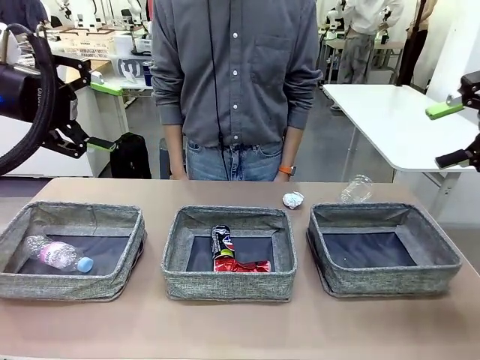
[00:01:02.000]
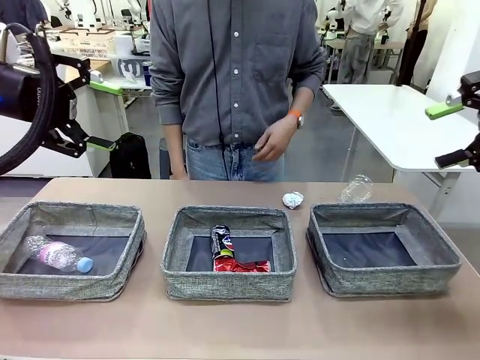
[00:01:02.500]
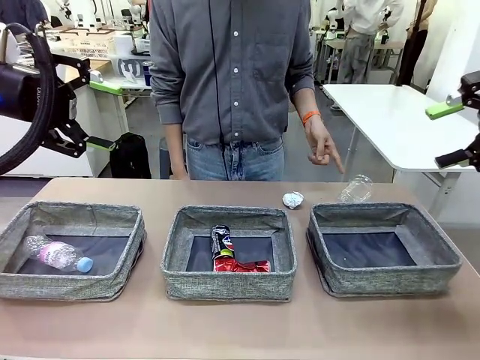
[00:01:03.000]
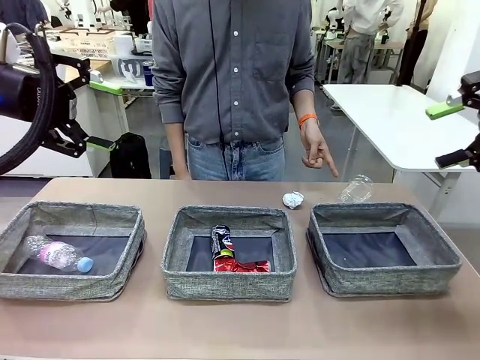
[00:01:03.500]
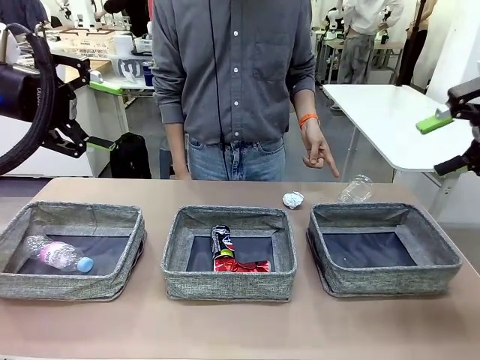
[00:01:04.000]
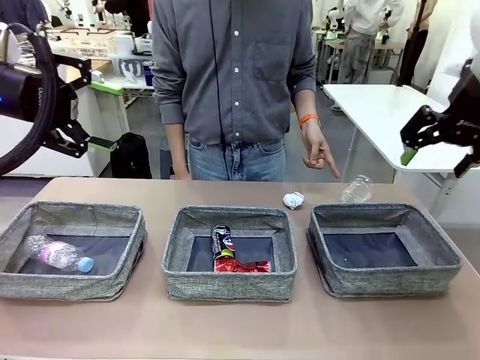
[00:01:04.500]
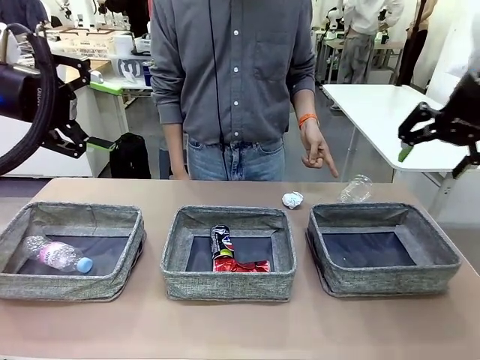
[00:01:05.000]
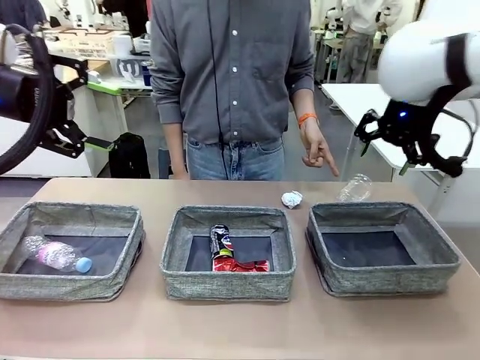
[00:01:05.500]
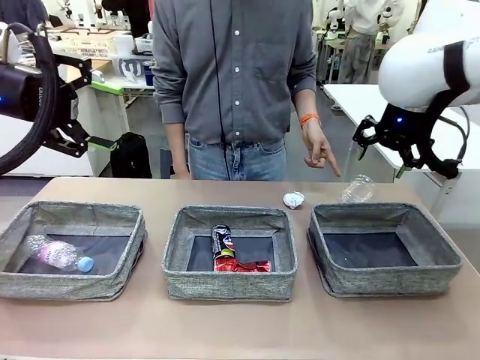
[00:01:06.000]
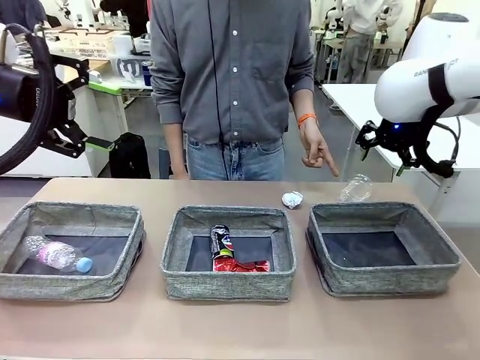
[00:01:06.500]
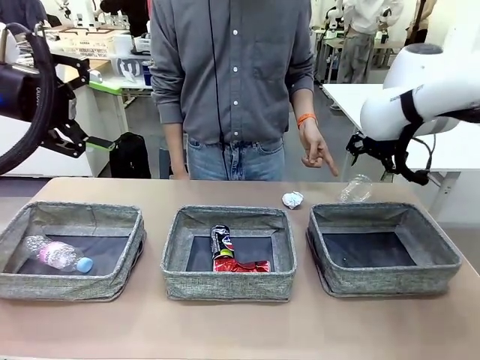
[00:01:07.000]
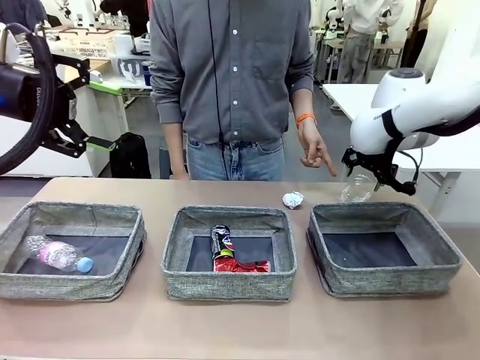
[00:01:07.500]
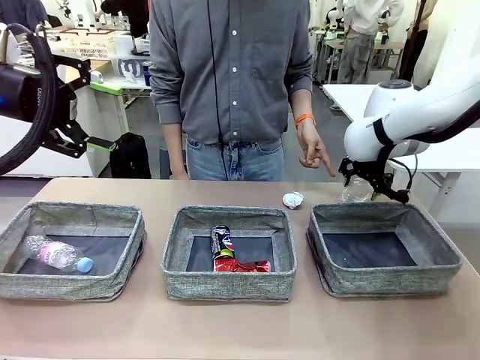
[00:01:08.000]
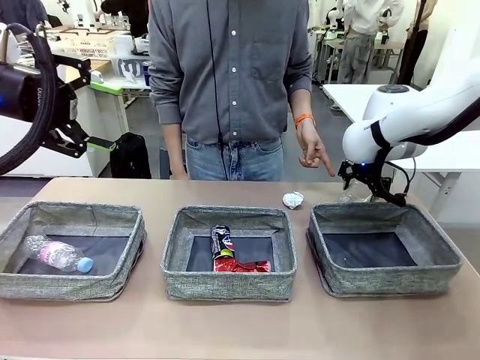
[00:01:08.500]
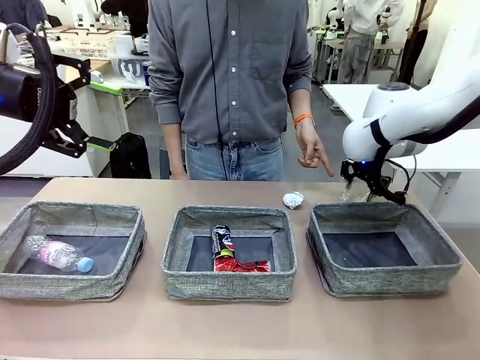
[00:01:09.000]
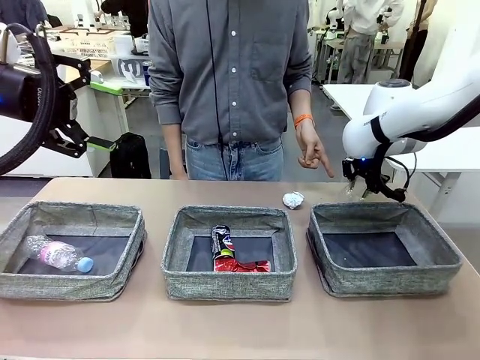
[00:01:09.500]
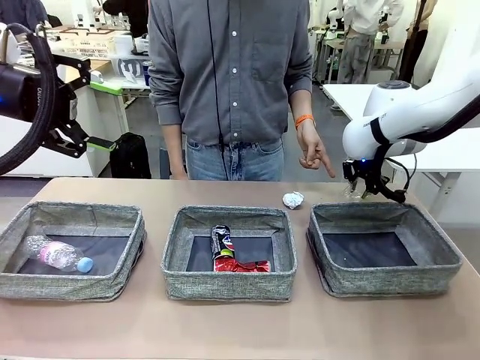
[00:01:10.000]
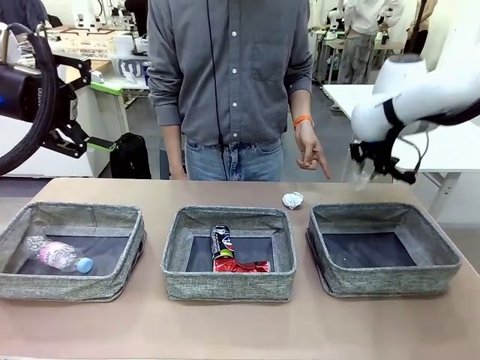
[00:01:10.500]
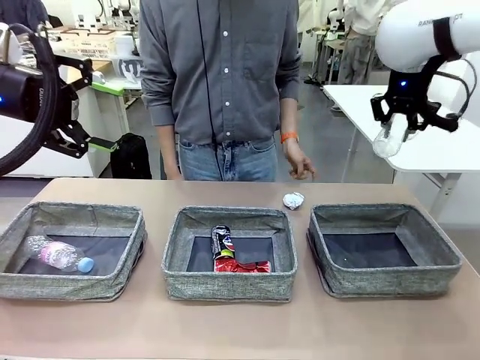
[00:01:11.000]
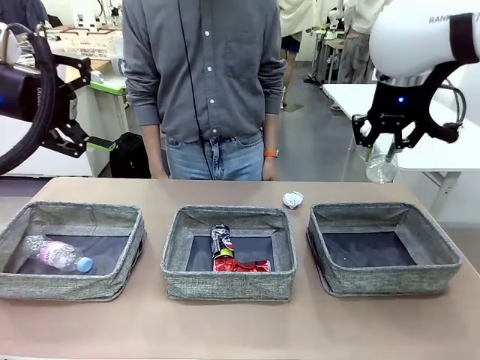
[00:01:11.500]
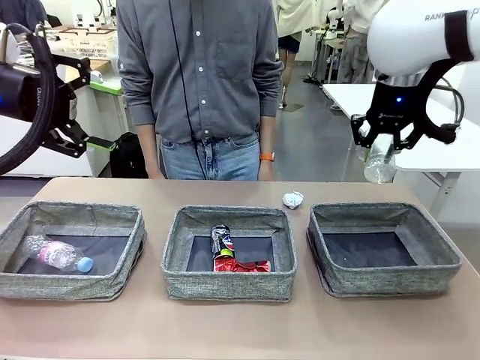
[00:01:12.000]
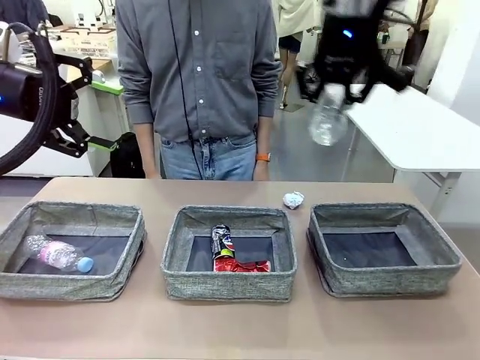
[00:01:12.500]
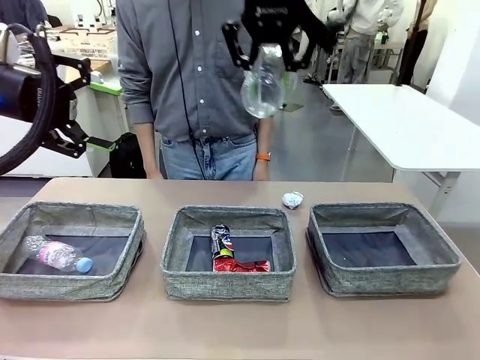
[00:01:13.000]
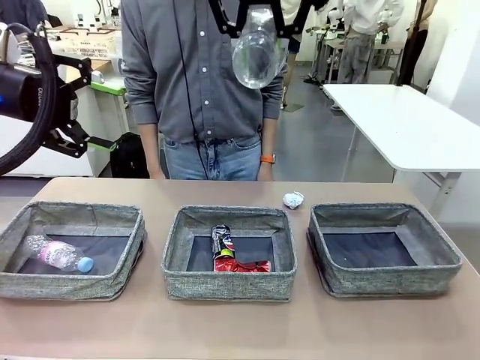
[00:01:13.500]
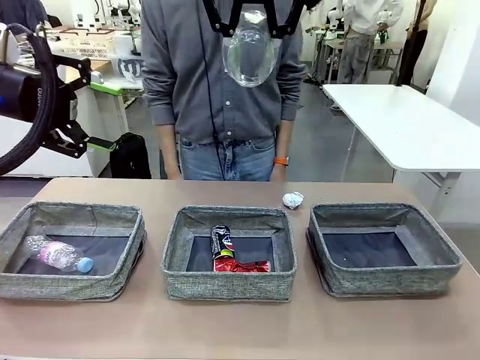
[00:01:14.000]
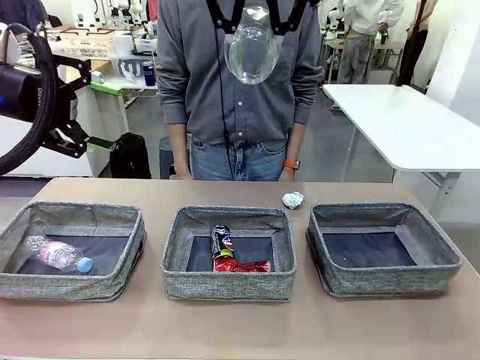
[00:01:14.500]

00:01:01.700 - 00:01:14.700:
Task: Sort the waste into the appropriate baskets.
Robot: Pick up the waste item pointed out by the person.
Person: Points to one piece of trash on the table.

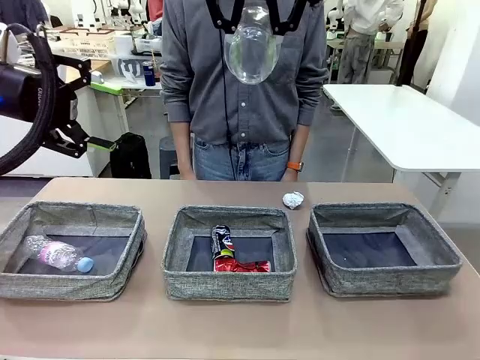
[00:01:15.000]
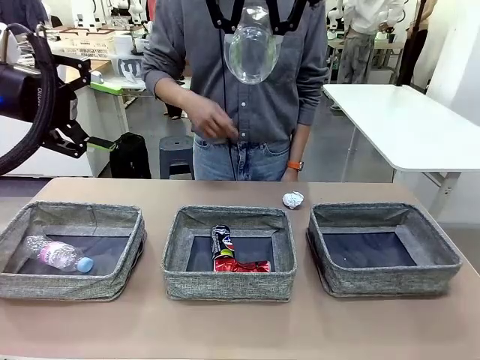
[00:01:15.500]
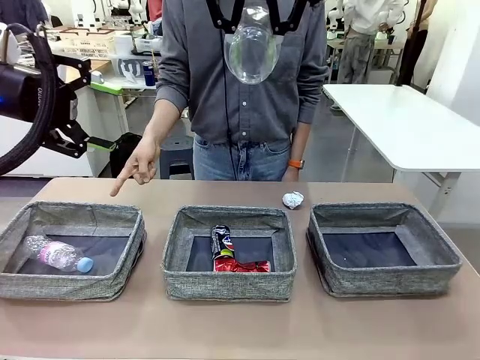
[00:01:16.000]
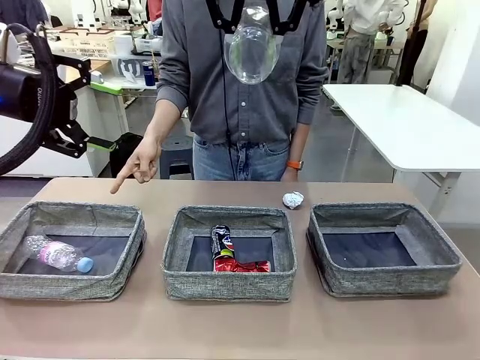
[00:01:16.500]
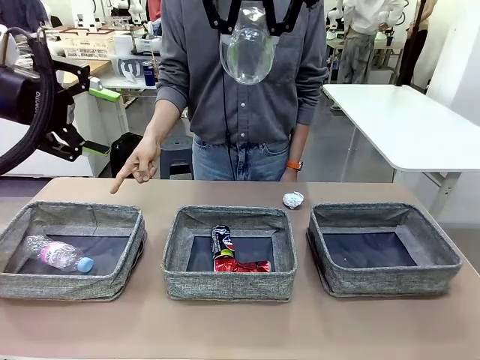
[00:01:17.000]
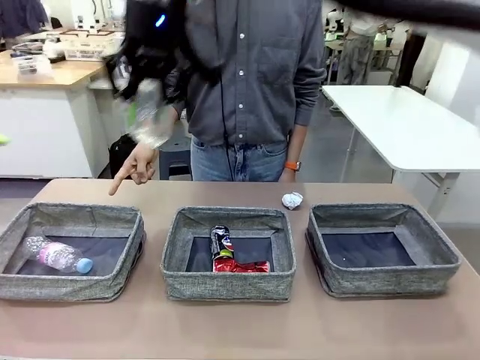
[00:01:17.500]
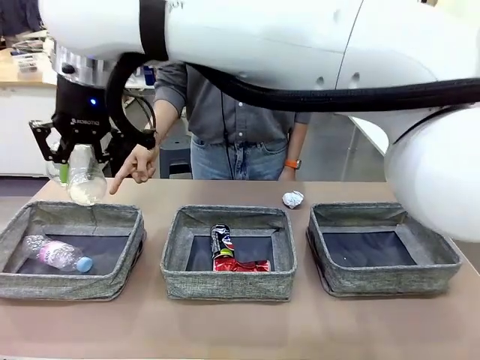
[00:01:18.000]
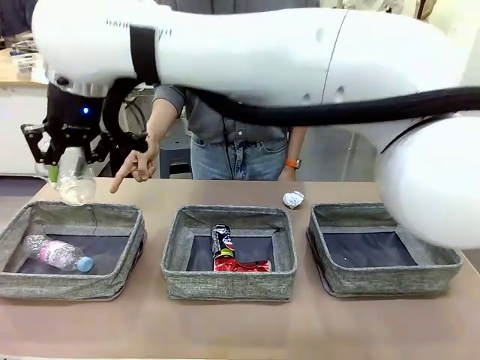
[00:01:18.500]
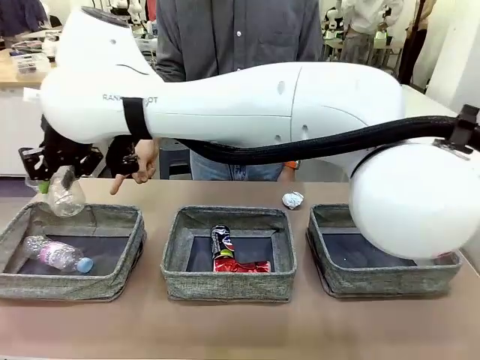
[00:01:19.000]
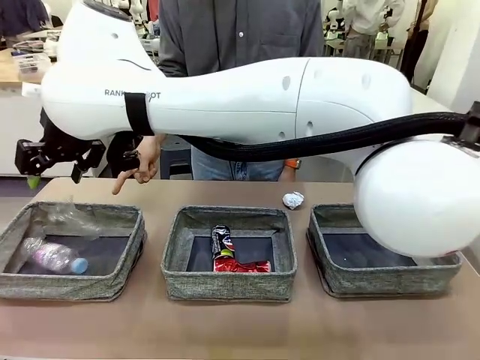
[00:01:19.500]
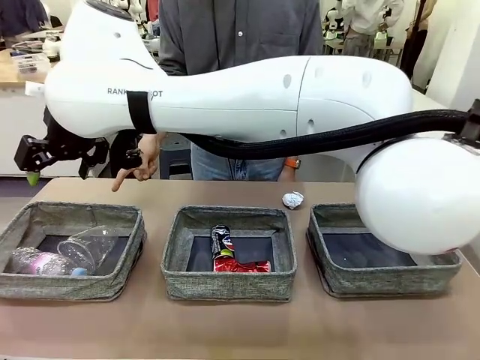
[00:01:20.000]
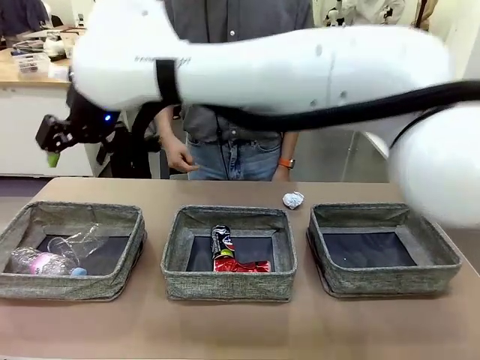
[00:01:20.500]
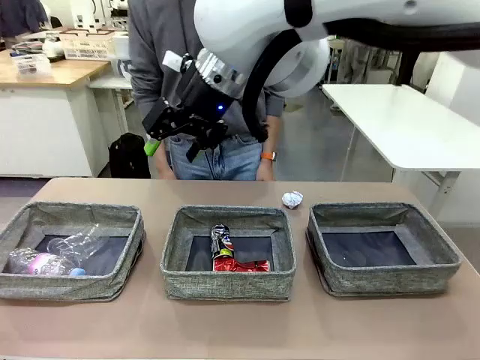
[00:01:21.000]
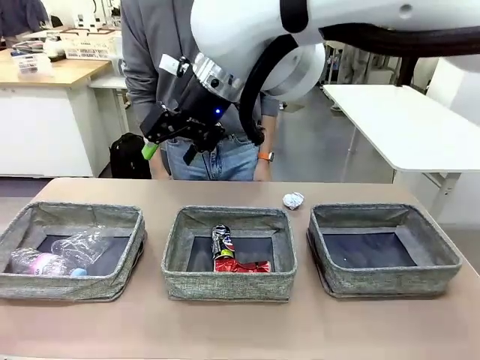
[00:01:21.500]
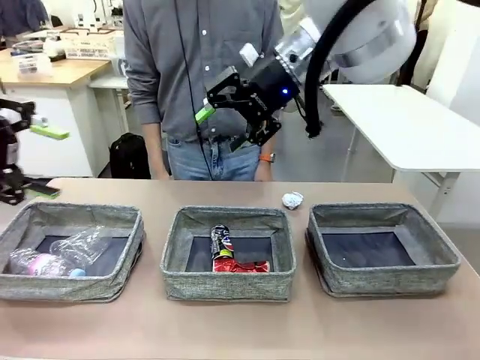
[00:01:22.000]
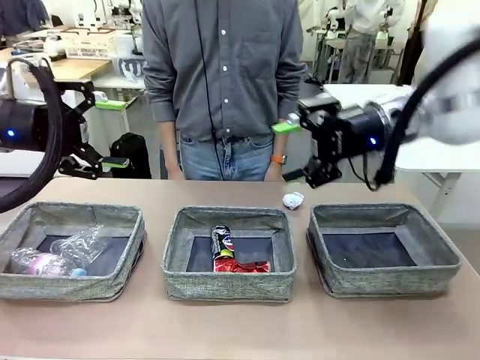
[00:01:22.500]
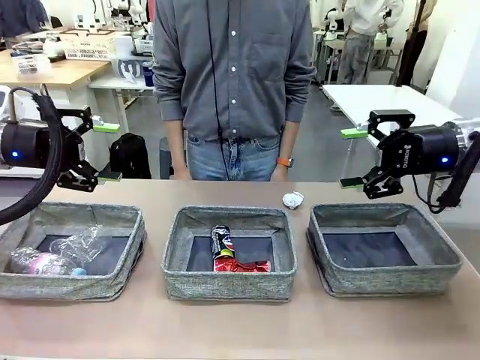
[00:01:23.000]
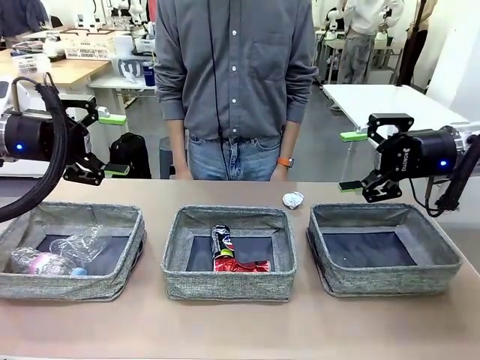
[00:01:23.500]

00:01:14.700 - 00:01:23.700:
Robot: Place the picked waste into the Fabric basket indicated by the person.
Person: Instructs the robot to place the picked-up trash into the appropriate organizing basket.
